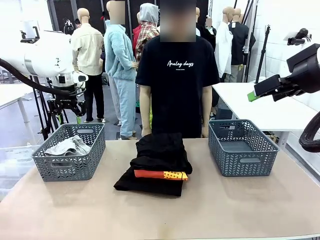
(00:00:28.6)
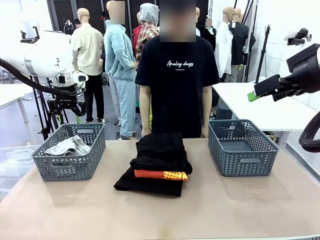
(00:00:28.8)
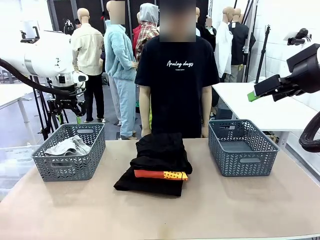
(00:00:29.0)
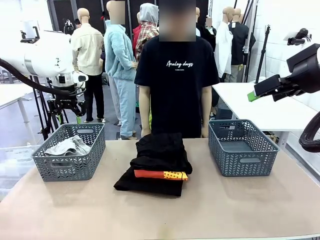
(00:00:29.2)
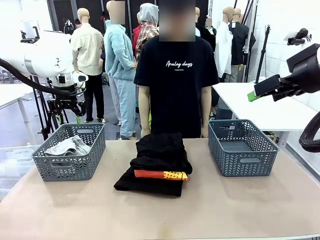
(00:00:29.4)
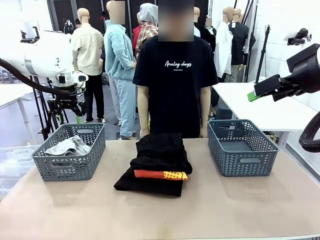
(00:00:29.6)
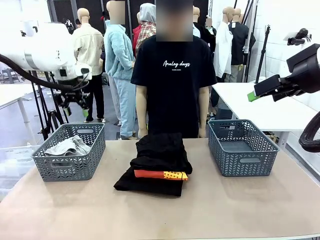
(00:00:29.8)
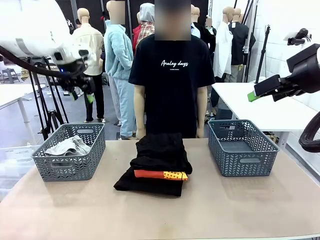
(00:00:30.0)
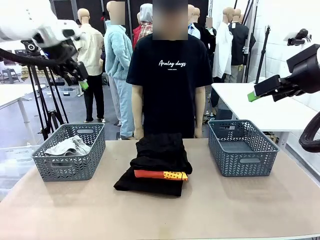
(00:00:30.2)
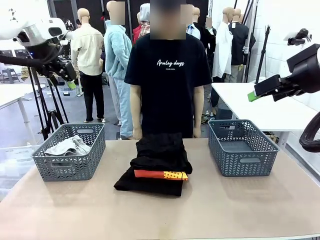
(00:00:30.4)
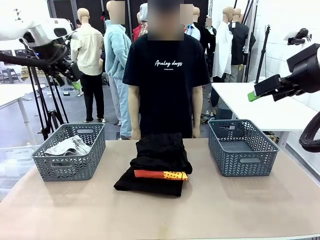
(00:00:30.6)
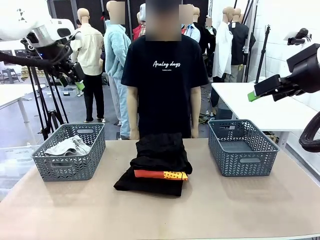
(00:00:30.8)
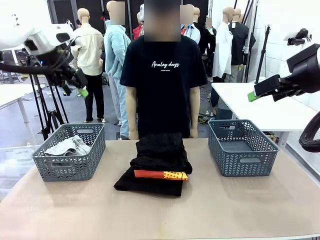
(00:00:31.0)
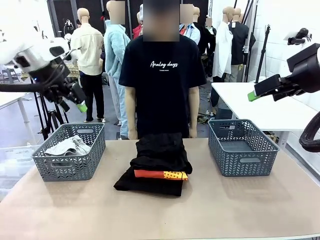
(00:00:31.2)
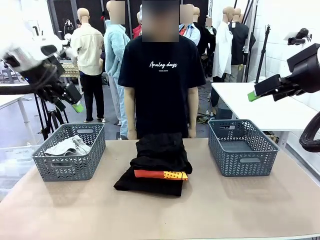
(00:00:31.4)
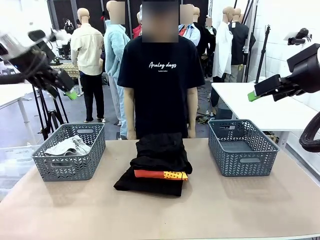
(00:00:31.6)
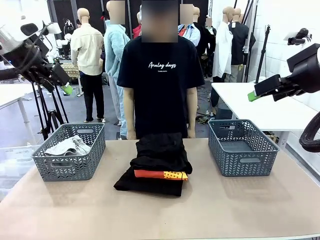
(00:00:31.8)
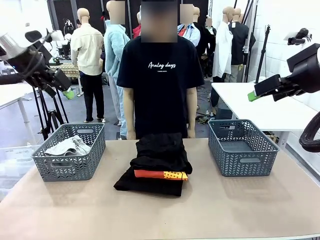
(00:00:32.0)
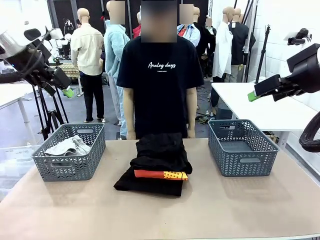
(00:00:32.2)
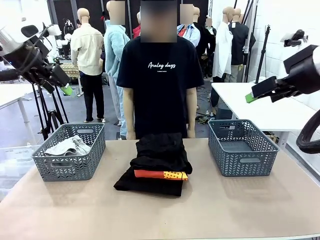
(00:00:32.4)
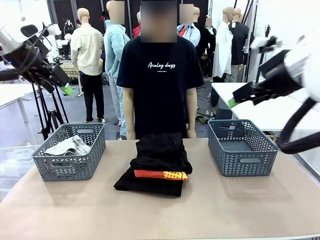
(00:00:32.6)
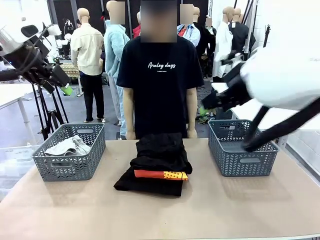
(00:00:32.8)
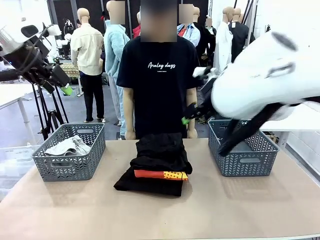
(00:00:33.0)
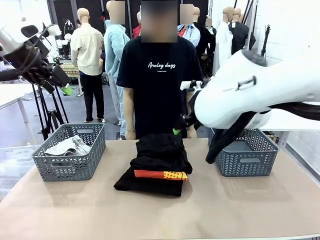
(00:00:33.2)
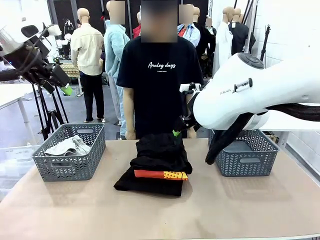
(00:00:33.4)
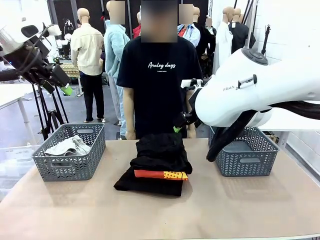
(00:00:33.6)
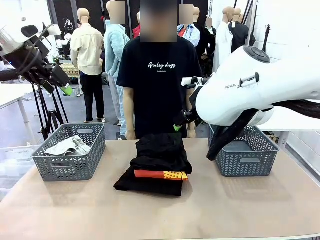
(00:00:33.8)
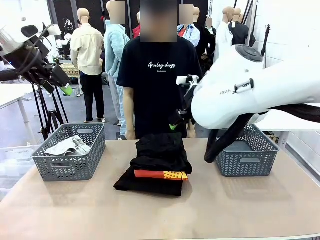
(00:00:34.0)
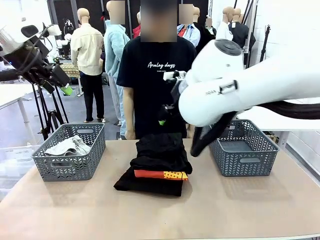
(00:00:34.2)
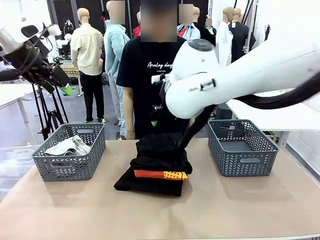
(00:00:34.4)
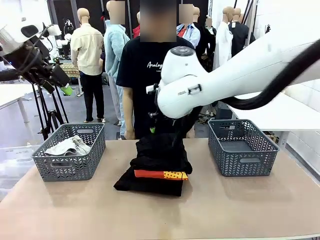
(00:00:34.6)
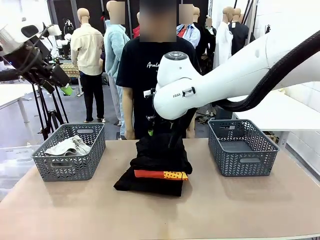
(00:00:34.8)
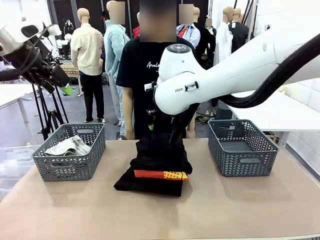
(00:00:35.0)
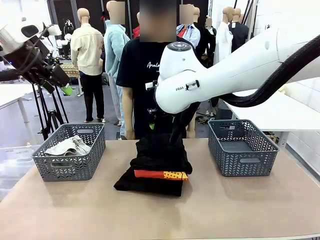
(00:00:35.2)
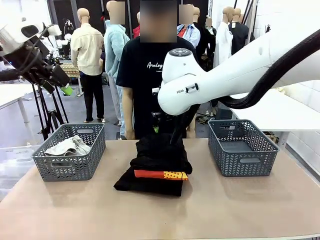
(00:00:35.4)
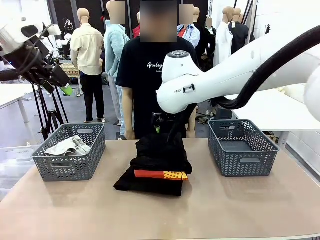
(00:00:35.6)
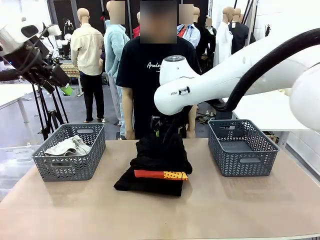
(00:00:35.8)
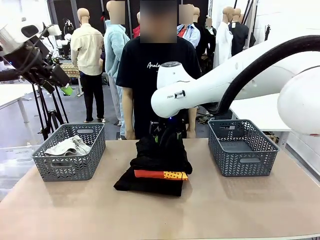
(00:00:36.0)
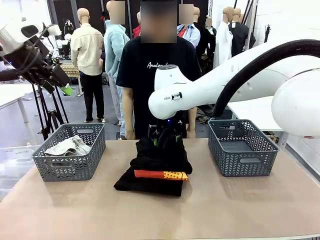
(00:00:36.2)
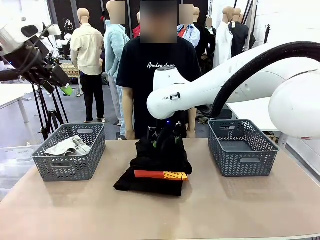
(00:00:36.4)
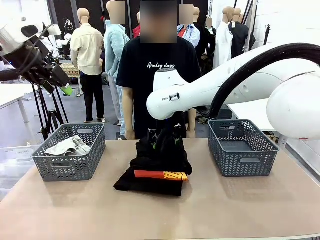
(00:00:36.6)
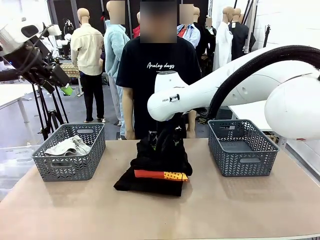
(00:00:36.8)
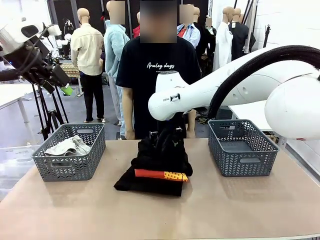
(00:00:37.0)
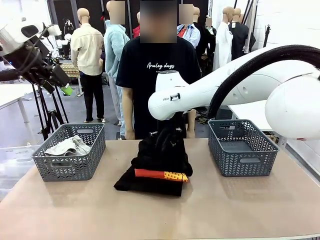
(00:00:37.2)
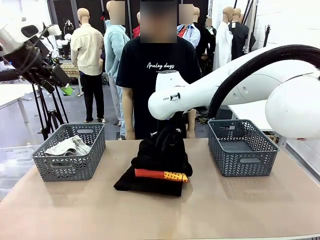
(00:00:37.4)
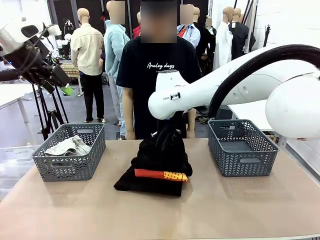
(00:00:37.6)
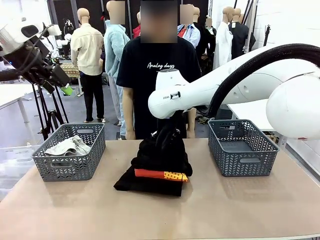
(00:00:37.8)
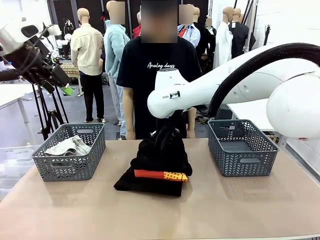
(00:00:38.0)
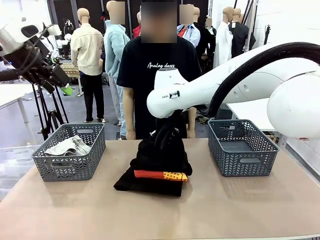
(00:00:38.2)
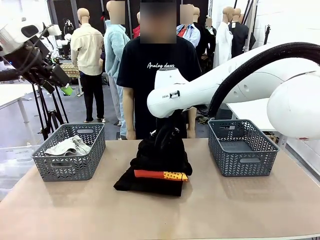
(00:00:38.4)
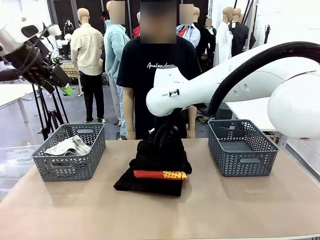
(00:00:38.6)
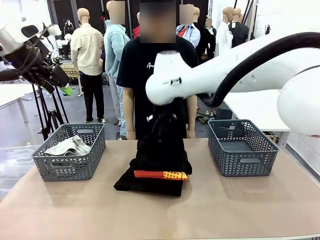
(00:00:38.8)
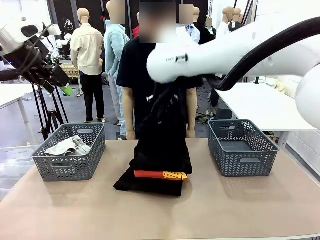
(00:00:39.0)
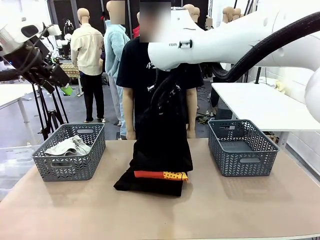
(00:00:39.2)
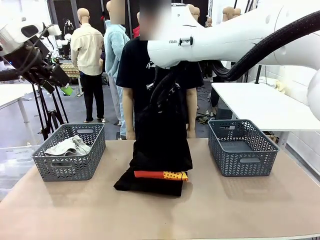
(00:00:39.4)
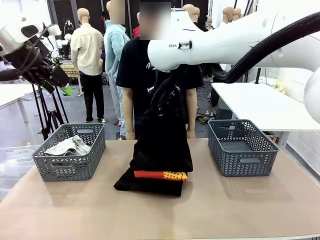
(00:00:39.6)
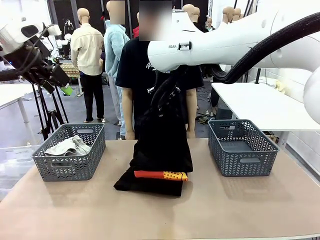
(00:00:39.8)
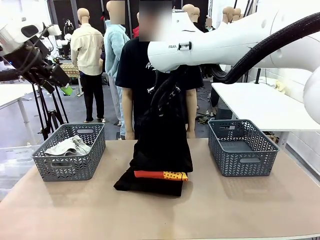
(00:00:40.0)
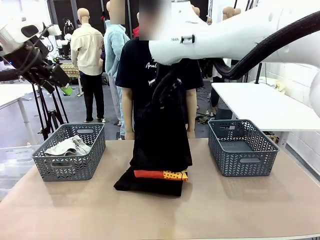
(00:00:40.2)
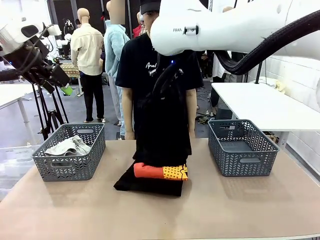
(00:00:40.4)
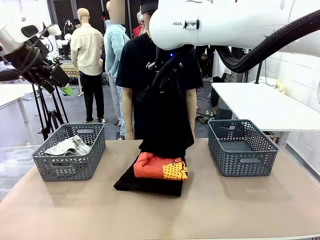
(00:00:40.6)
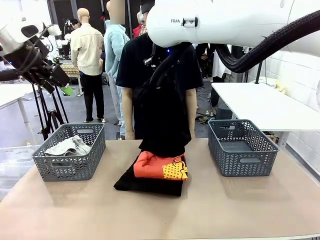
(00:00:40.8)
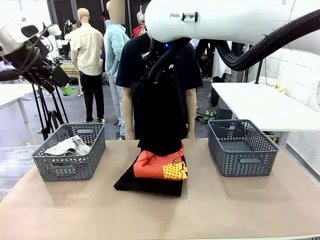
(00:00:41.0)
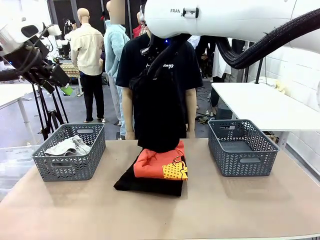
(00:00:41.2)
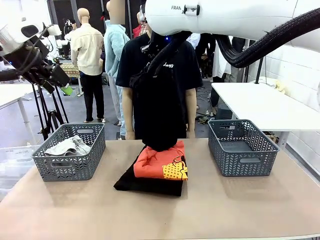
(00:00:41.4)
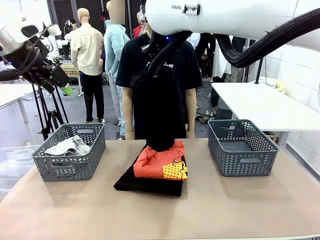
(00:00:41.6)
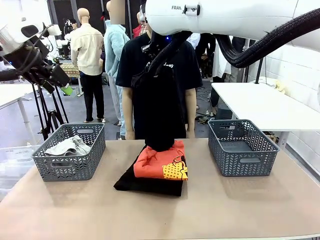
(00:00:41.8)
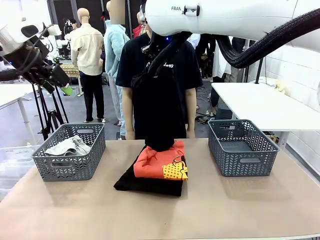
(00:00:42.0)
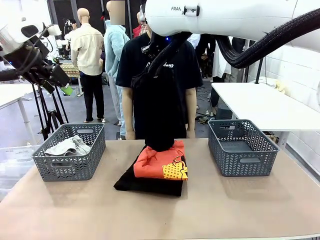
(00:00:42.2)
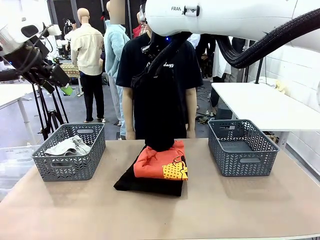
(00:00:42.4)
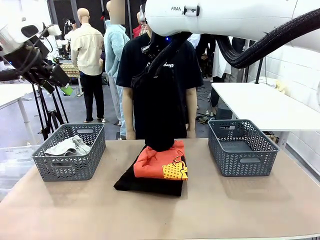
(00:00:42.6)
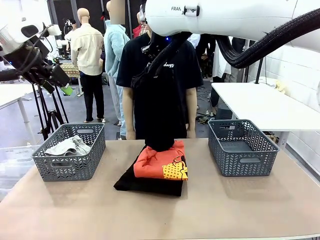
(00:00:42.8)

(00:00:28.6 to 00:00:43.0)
Task: Sort the tops and bottoms.
Robot: Lift clothes from the center of the table with your right hand.
